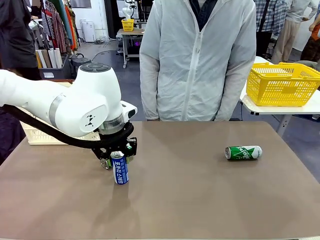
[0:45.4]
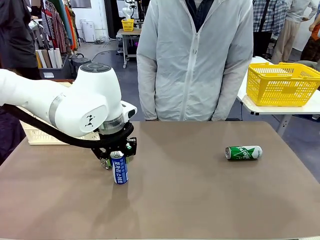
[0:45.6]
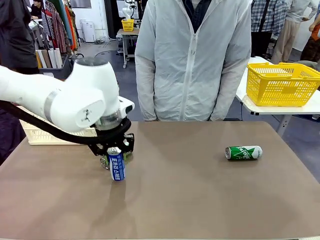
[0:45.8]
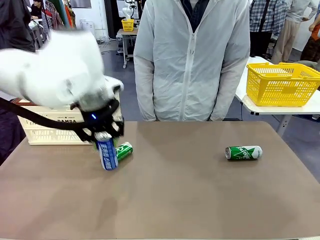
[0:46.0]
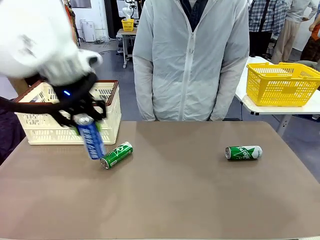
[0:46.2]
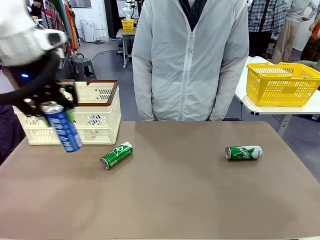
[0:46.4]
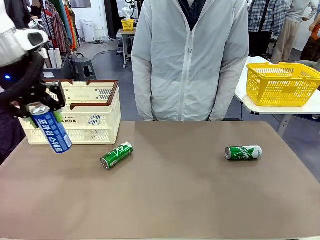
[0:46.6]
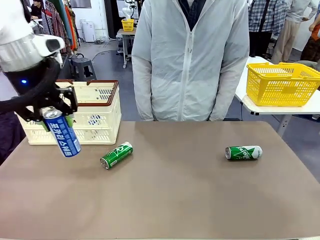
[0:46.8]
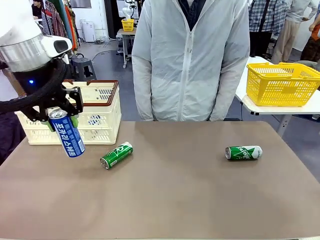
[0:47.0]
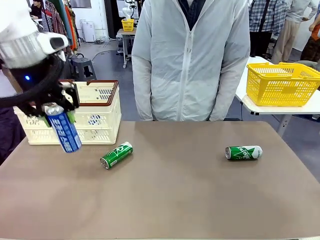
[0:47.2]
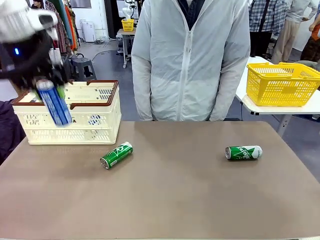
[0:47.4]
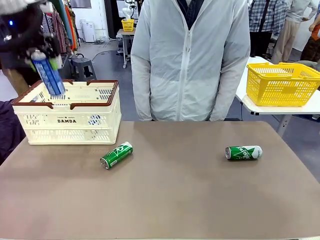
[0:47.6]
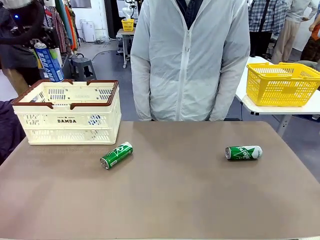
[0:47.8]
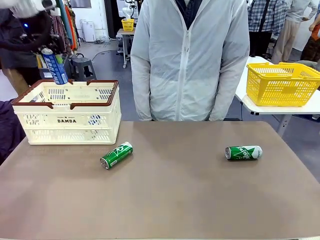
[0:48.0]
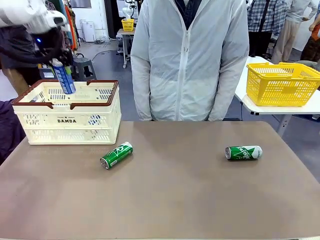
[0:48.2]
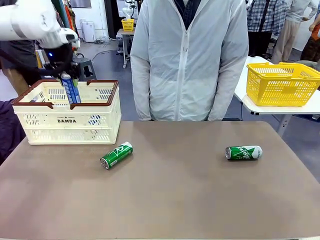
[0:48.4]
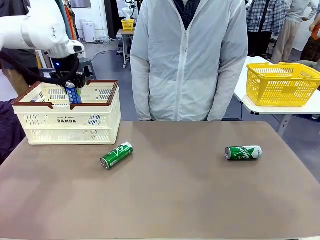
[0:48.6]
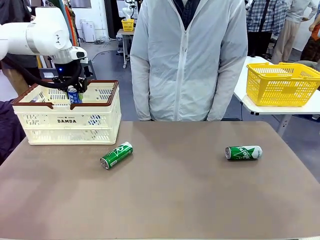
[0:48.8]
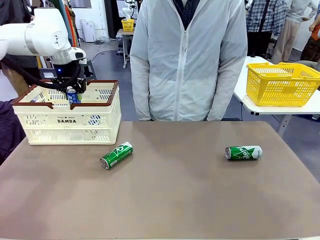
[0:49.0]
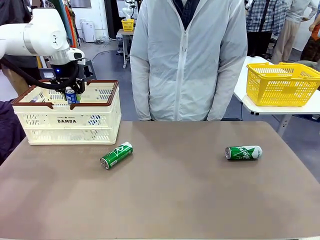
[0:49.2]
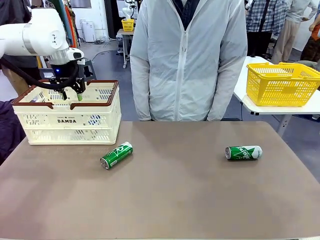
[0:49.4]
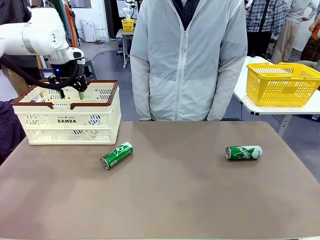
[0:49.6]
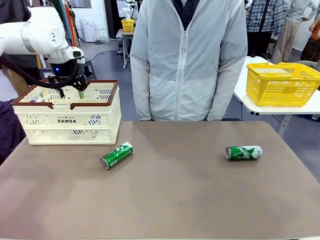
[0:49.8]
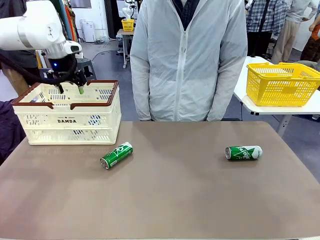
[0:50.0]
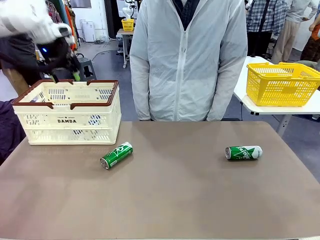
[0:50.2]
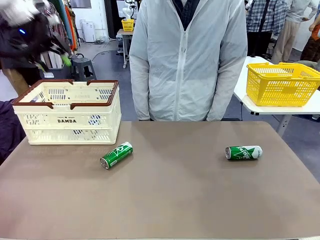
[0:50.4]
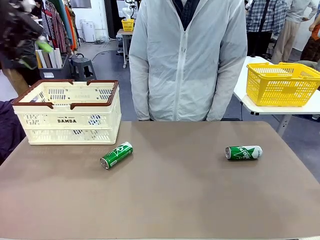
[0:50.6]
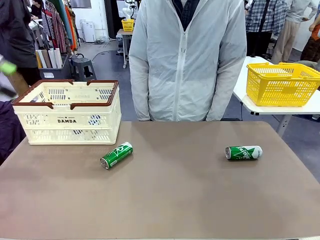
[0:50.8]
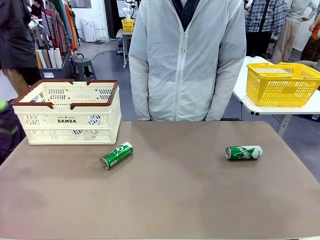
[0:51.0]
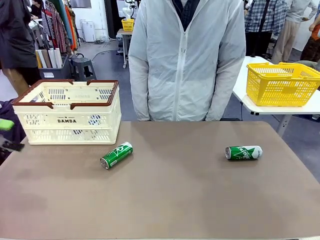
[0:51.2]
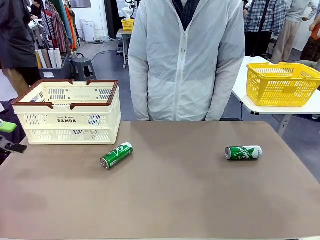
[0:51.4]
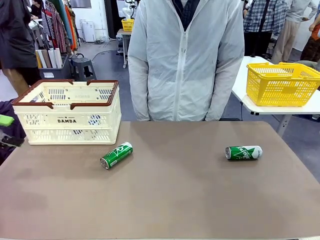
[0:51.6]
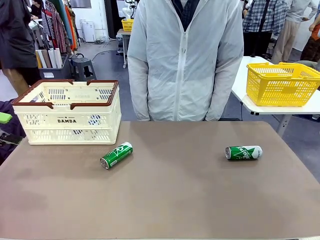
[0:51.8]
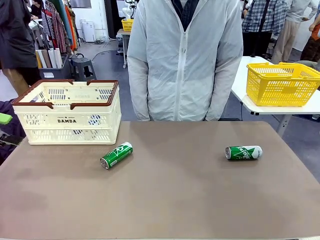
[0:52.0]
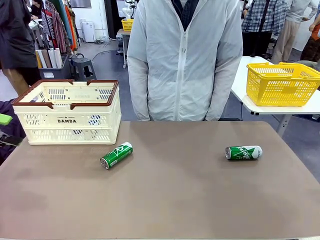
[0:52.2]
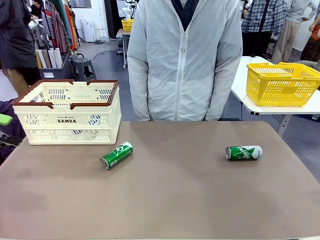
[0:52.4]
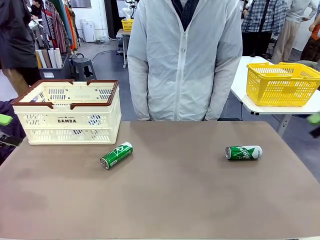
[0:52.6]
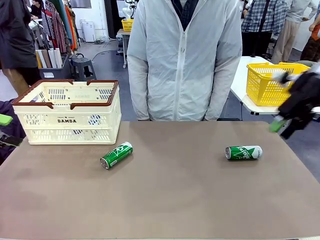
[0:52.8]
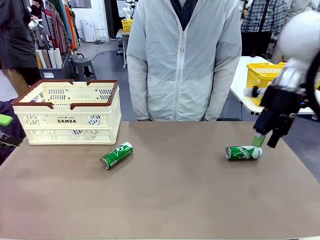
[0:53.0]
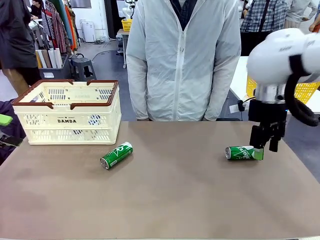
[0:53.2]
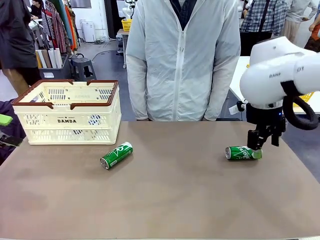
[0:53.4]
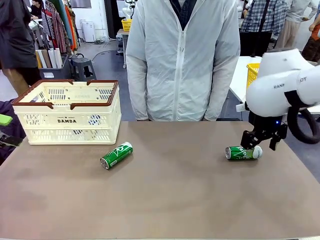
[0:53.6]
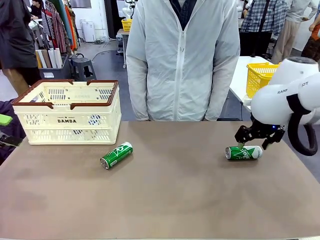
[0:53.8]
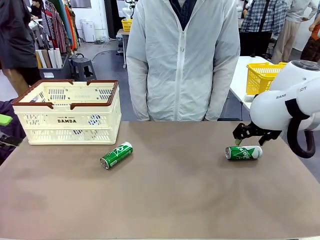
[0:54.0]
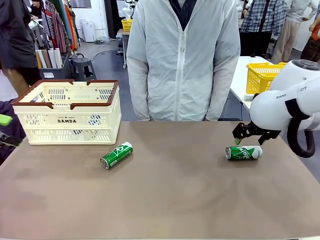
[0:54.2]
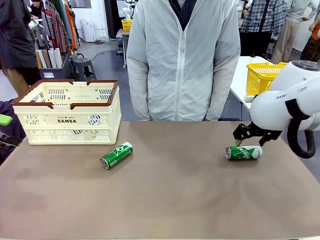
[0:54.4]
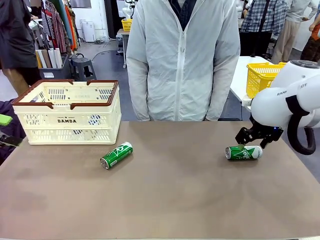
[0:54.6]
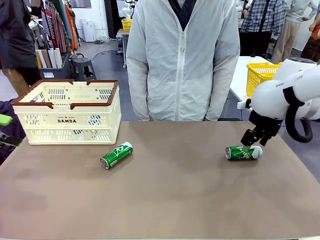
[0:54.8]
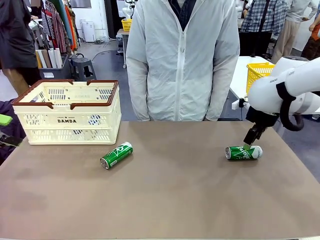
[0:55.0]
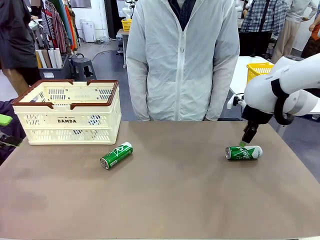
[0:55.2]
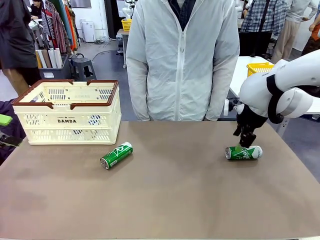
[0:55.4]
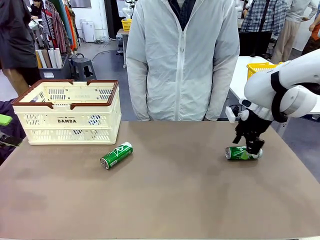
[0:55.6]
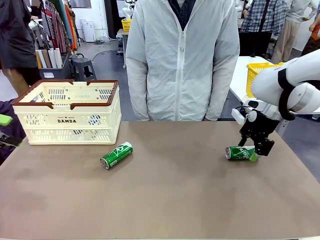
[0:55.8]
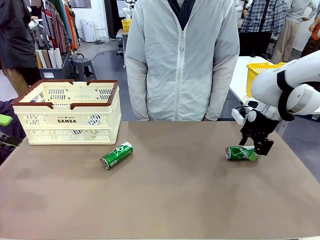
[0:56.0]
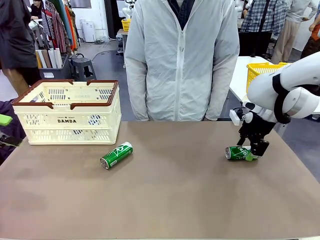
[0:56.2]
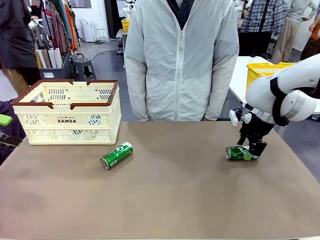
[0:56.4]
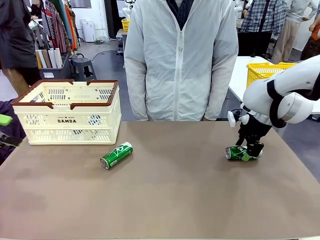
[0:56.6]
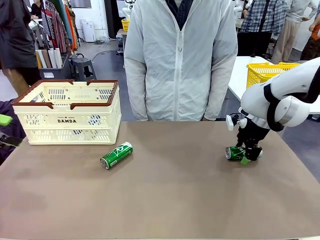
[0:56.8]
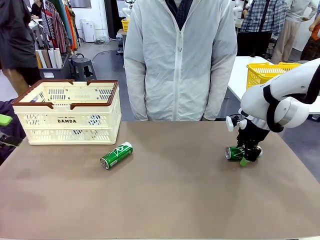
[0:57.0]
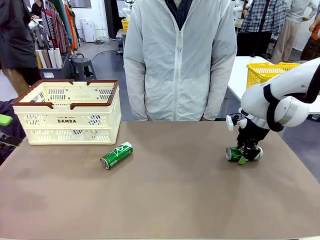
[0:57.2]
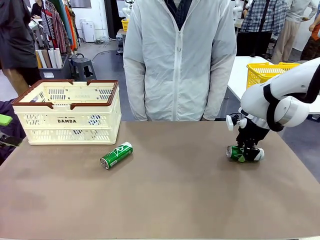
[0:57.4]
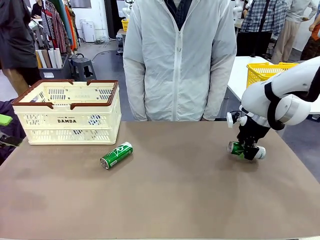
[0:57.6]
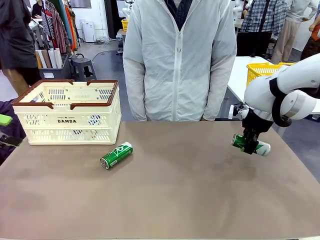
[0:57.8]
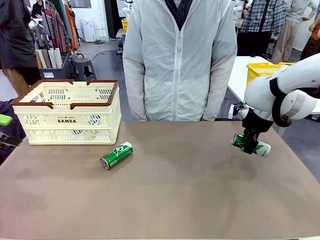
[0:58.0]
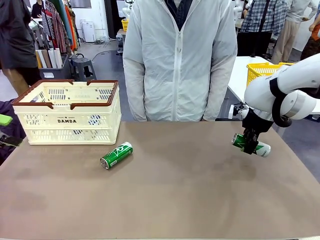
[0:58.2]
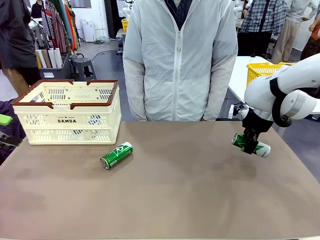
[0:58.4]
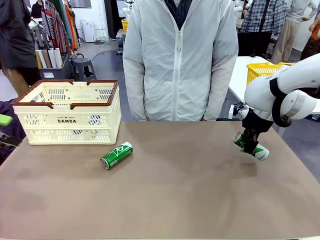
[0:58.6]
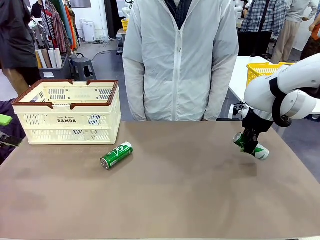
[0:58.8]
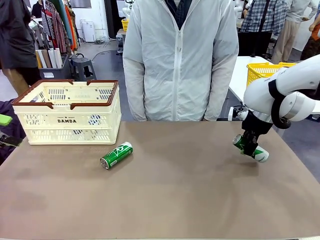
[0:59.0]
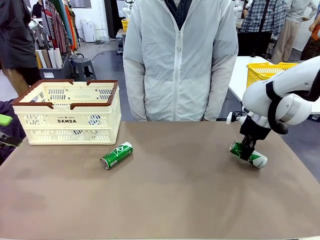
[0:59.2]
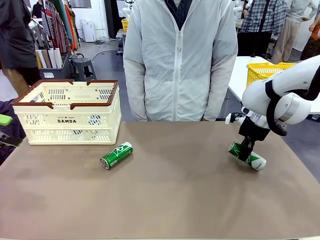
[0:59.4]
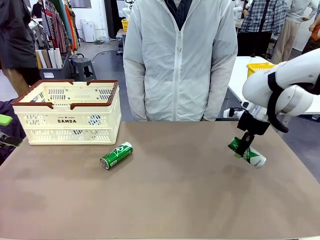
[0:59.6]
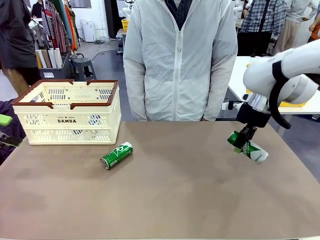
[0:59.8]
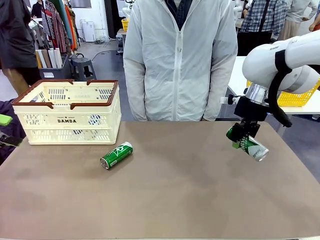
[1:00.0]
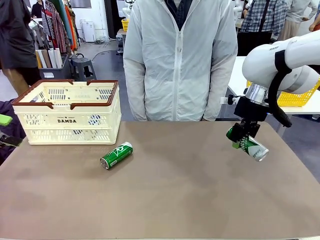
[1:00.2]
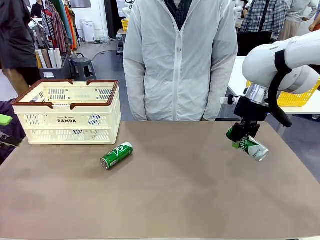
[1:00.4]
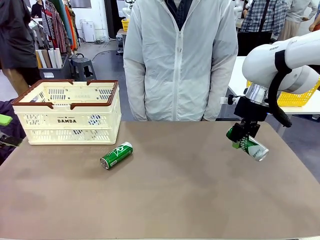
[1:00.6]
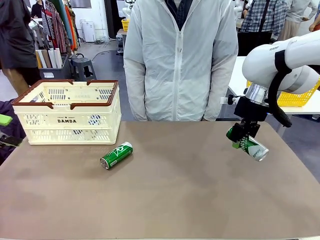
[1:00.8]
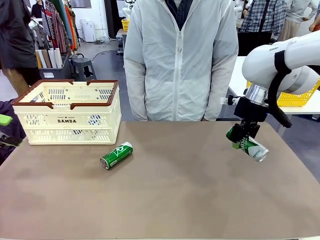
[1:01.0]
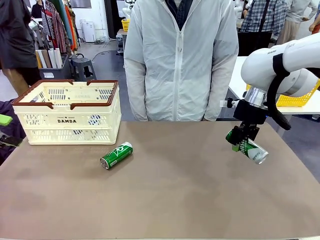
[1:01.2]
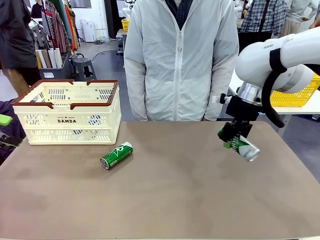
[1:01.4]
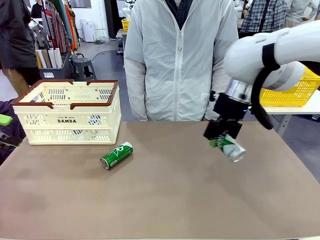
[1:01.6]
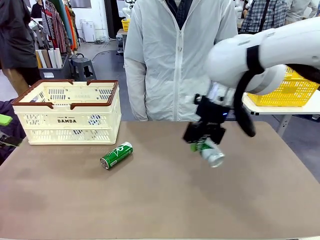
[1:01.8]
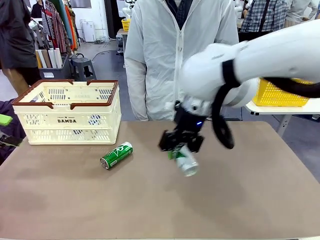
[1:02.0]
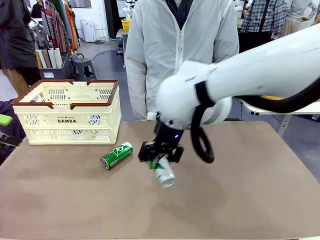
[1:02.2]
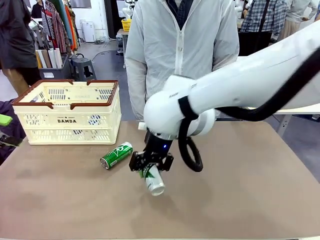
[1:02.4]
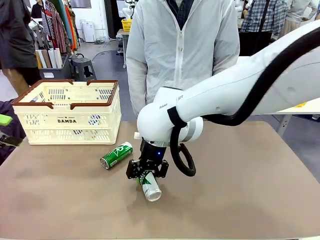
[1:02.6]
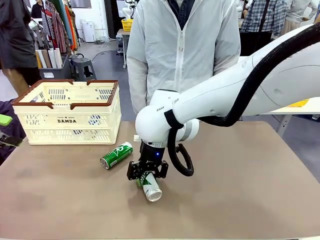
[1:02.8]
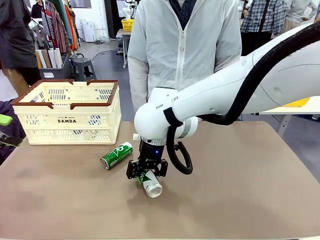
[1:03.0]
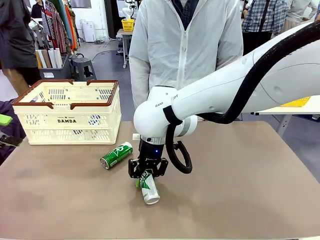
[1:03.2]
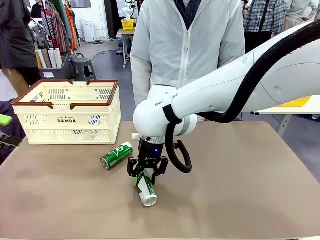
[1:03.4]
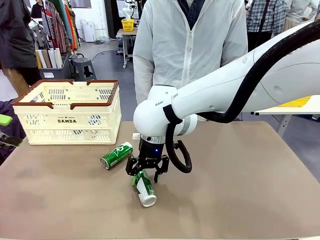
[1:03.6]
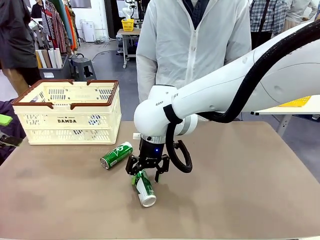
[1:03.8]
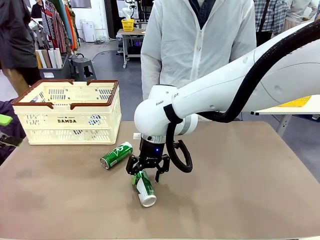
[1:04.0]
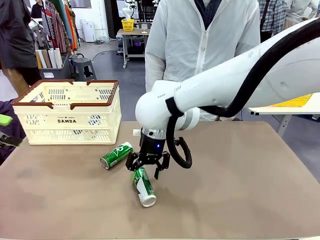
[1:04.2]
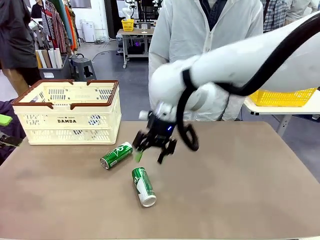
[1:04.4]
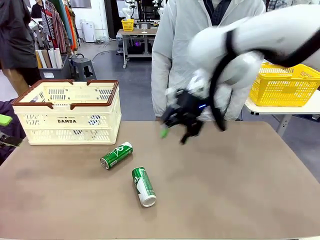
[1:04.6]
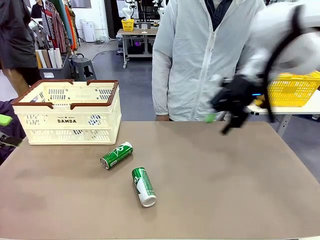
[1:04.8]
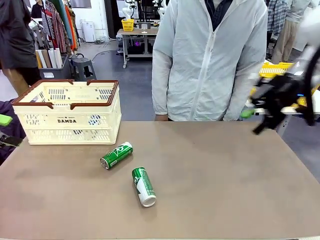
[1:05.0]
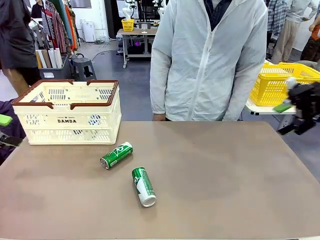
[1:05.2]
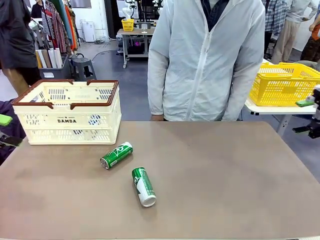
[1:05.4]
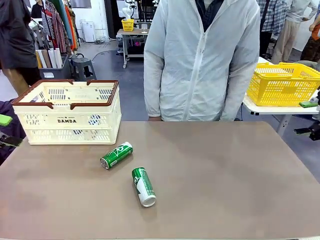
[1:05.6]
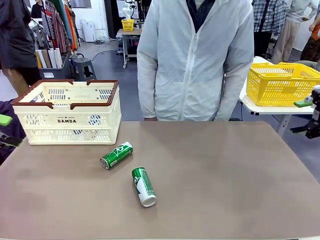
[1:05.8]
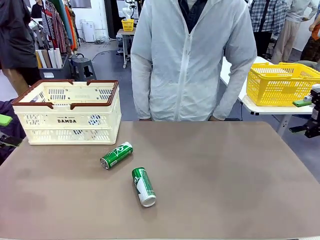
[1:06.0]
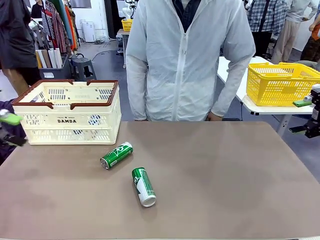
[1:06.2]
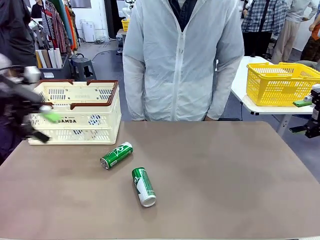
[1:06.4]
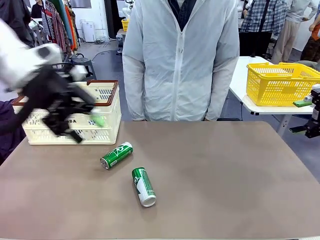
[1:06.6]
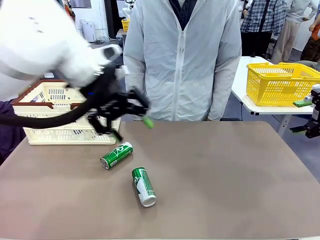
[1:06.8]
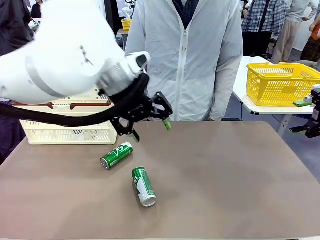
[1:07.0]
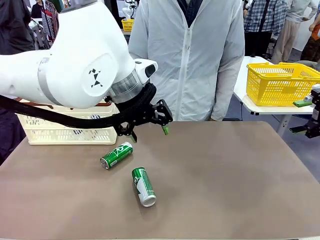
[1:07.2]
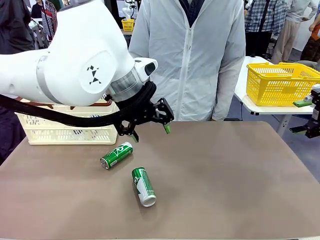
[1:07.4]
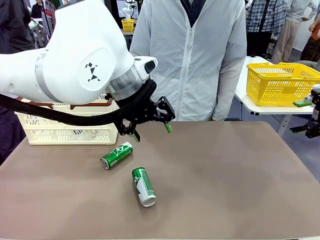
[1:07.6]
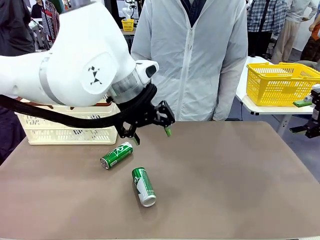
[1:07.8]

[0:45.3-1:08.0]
Task: Place the drinks into the Shopping basket.
Robot: Pick up one drink and place it into the Shopping basket.
